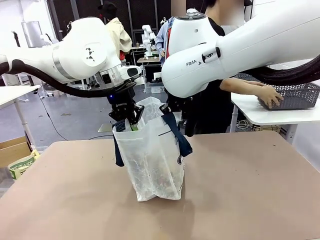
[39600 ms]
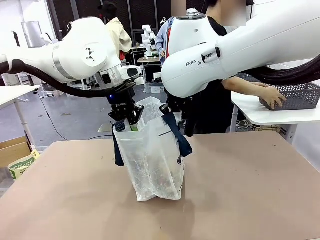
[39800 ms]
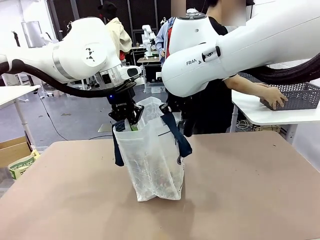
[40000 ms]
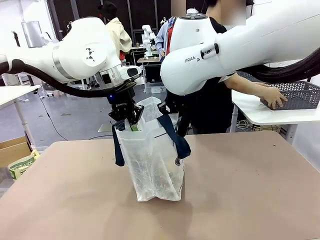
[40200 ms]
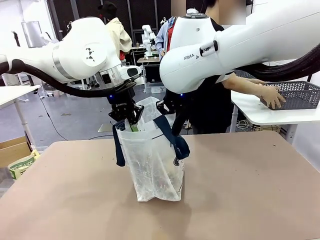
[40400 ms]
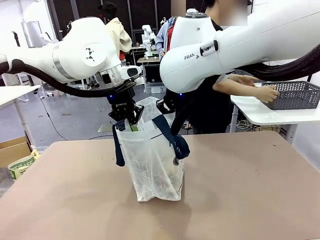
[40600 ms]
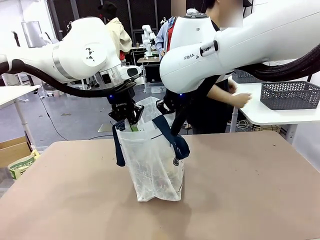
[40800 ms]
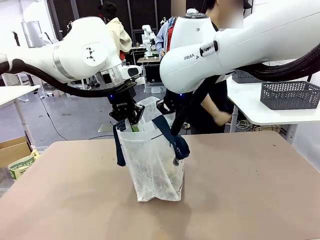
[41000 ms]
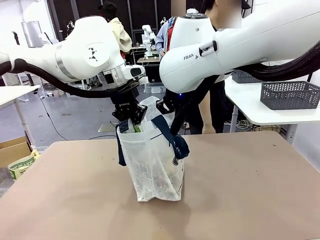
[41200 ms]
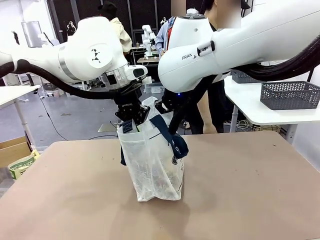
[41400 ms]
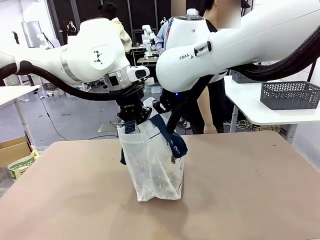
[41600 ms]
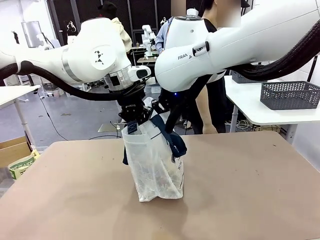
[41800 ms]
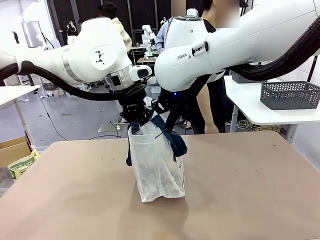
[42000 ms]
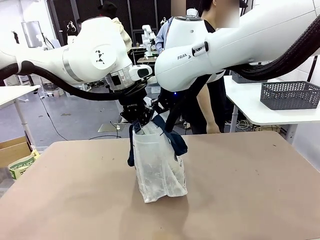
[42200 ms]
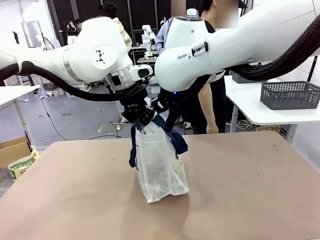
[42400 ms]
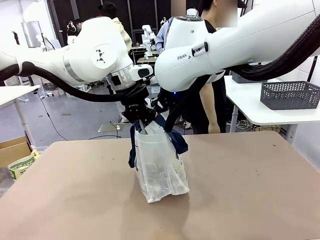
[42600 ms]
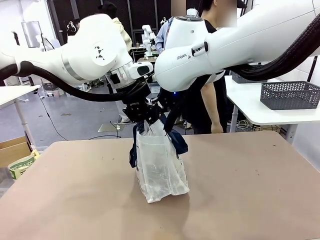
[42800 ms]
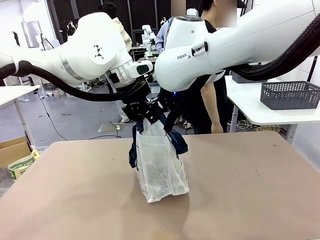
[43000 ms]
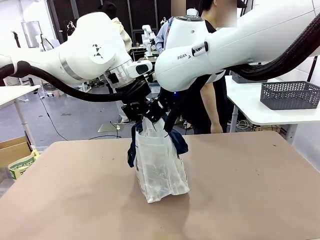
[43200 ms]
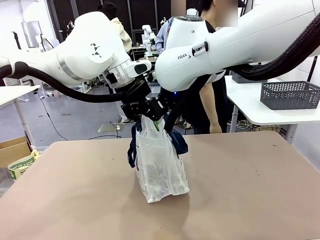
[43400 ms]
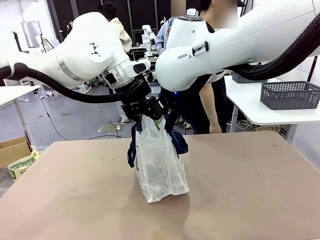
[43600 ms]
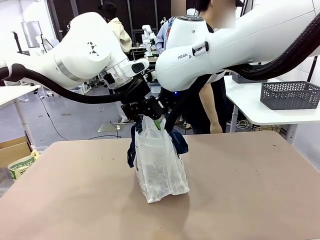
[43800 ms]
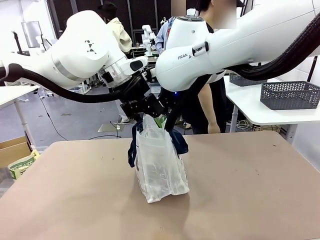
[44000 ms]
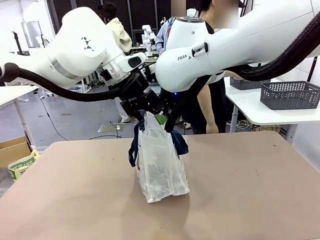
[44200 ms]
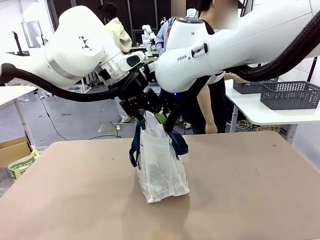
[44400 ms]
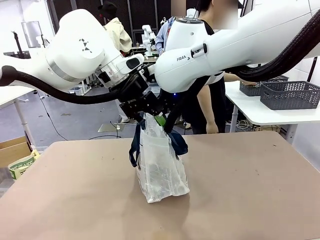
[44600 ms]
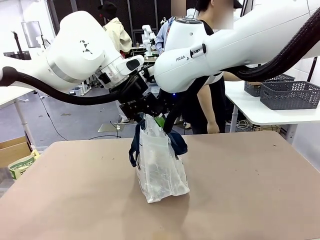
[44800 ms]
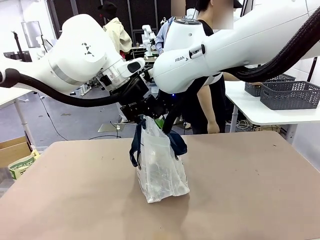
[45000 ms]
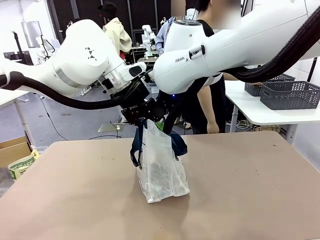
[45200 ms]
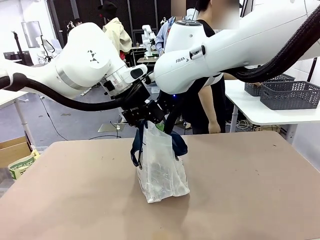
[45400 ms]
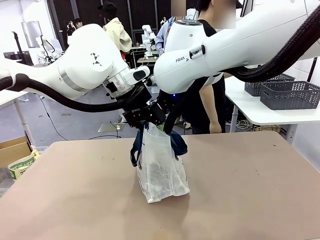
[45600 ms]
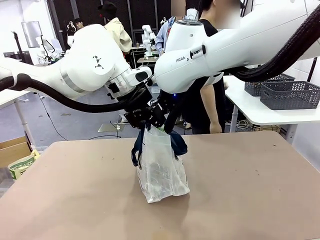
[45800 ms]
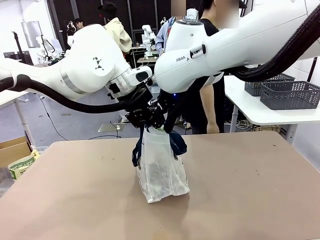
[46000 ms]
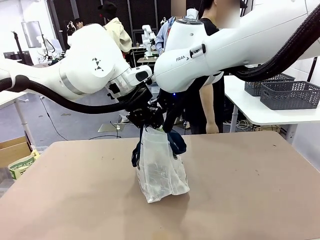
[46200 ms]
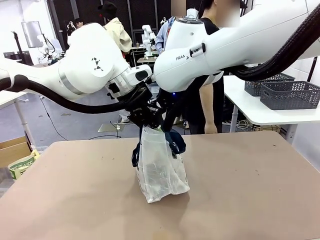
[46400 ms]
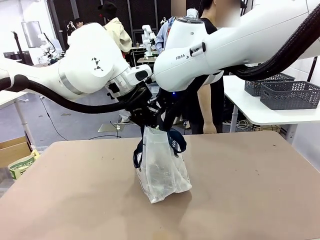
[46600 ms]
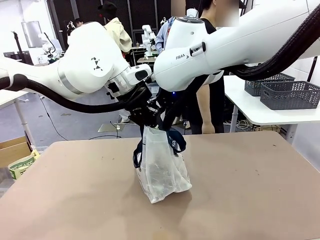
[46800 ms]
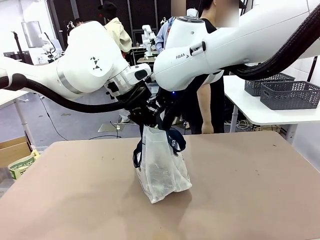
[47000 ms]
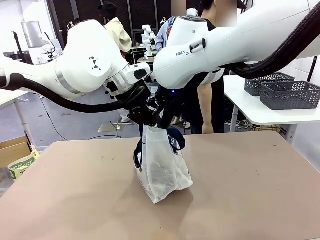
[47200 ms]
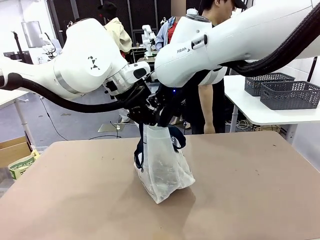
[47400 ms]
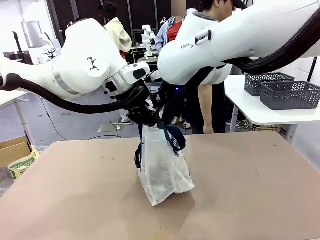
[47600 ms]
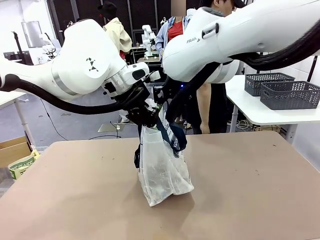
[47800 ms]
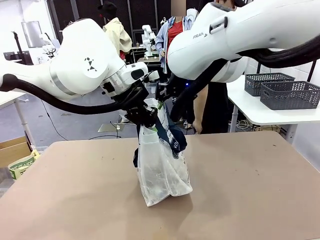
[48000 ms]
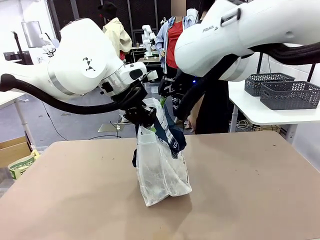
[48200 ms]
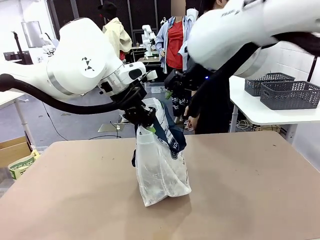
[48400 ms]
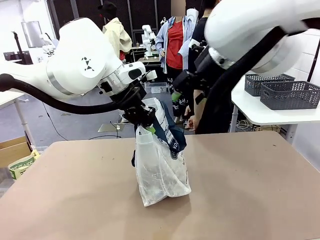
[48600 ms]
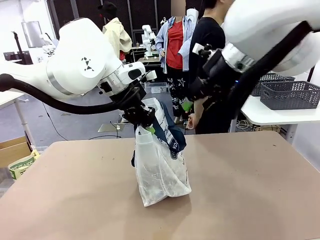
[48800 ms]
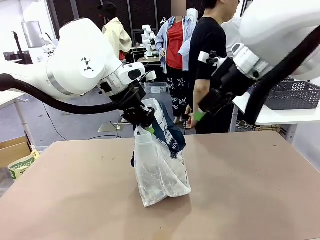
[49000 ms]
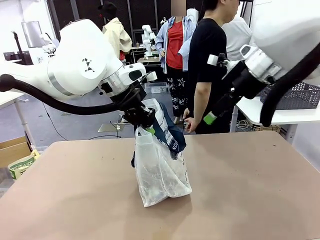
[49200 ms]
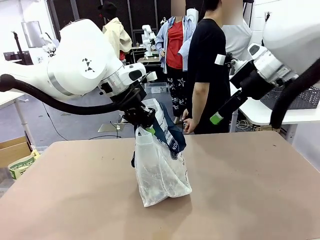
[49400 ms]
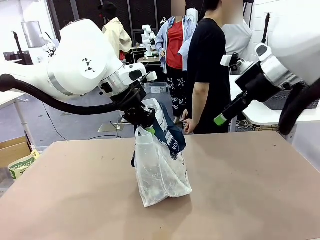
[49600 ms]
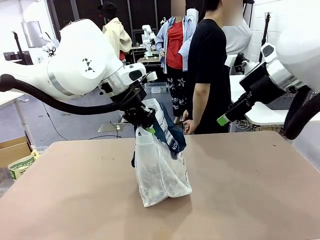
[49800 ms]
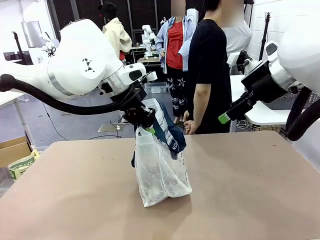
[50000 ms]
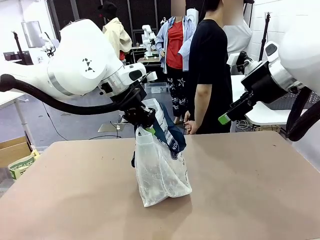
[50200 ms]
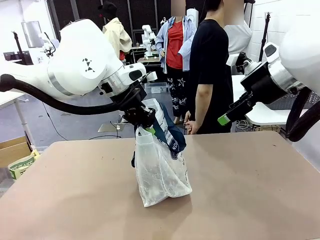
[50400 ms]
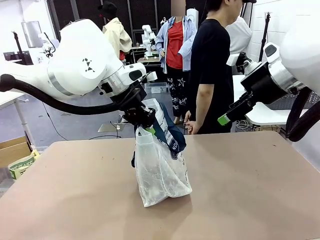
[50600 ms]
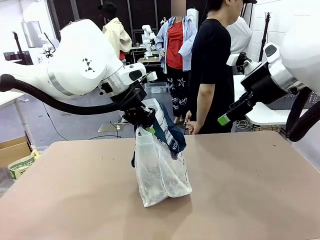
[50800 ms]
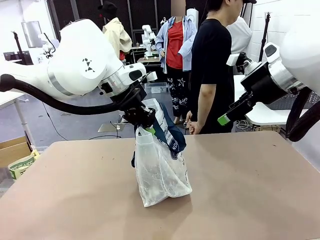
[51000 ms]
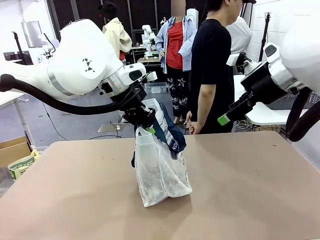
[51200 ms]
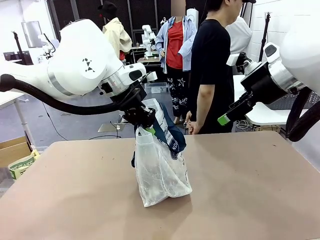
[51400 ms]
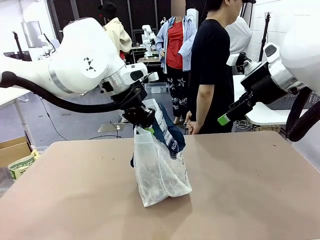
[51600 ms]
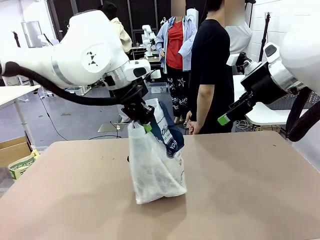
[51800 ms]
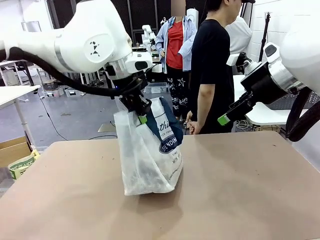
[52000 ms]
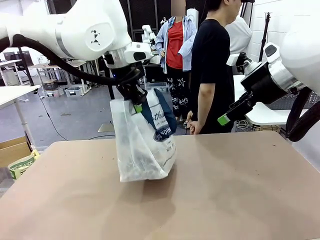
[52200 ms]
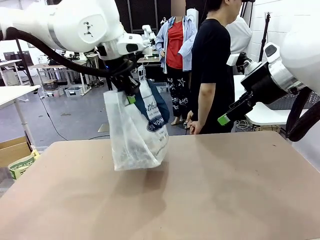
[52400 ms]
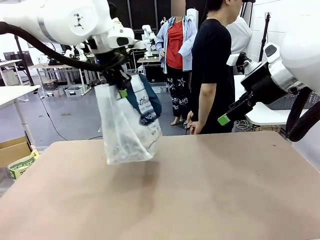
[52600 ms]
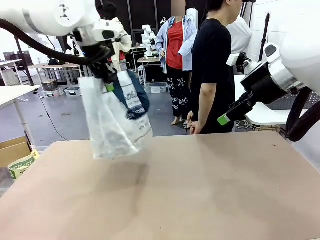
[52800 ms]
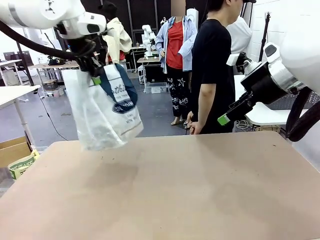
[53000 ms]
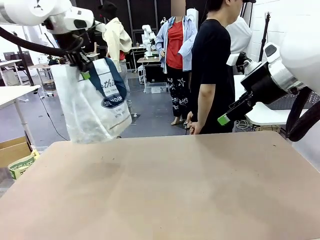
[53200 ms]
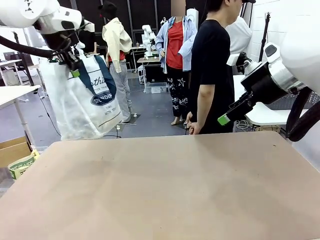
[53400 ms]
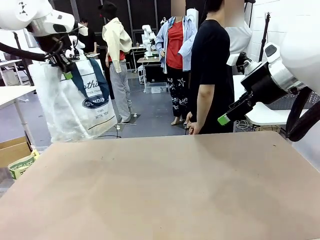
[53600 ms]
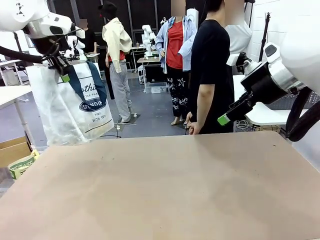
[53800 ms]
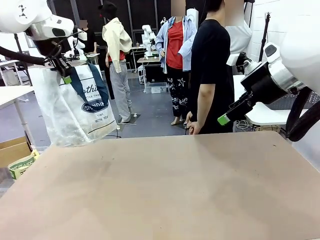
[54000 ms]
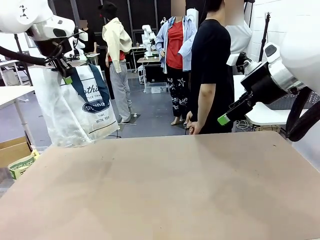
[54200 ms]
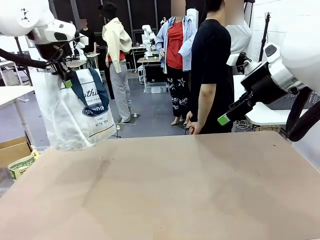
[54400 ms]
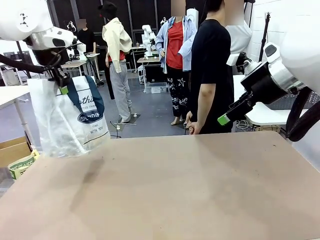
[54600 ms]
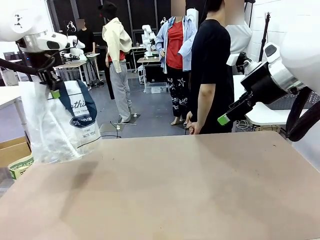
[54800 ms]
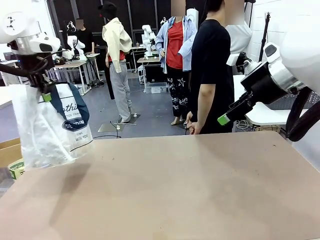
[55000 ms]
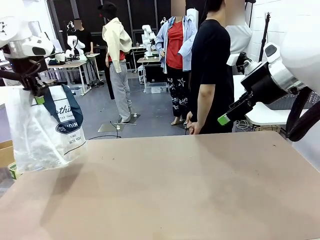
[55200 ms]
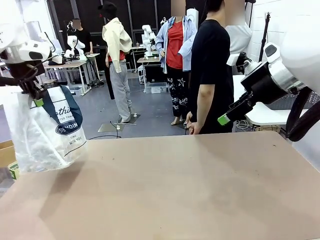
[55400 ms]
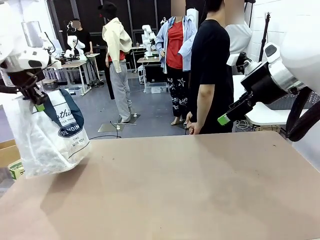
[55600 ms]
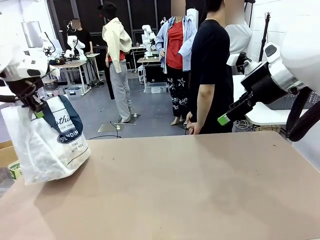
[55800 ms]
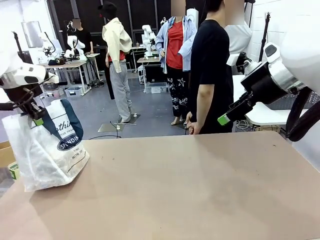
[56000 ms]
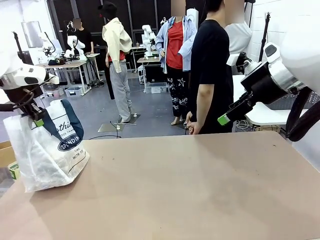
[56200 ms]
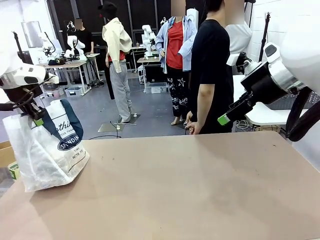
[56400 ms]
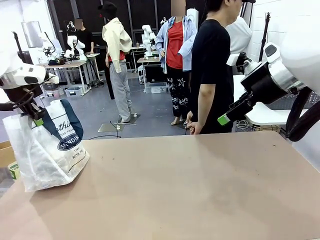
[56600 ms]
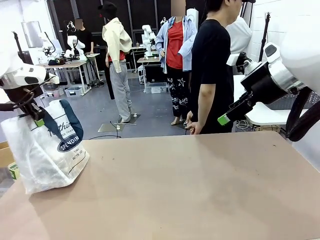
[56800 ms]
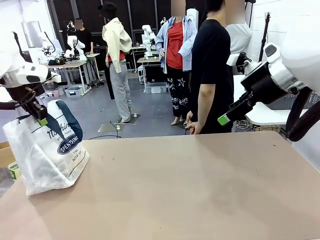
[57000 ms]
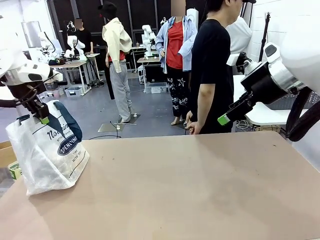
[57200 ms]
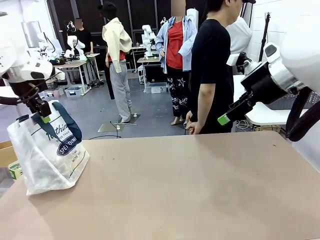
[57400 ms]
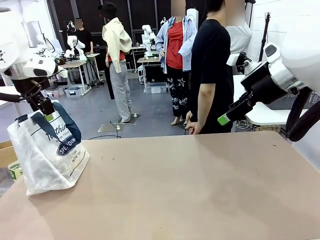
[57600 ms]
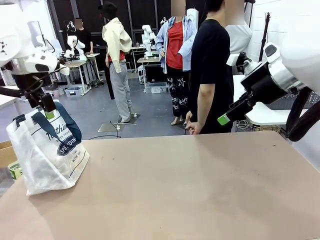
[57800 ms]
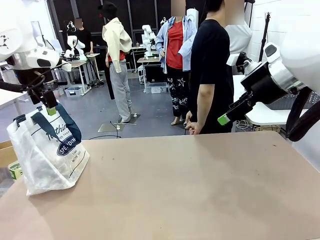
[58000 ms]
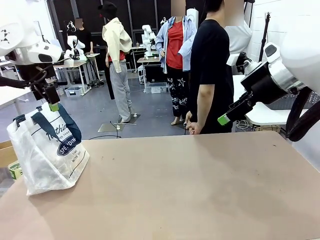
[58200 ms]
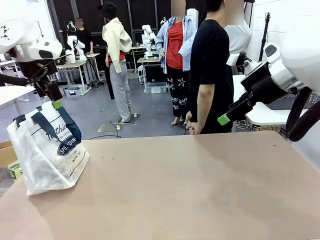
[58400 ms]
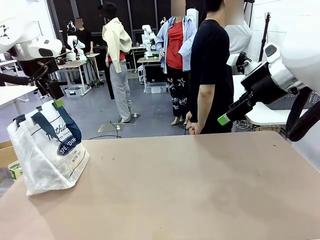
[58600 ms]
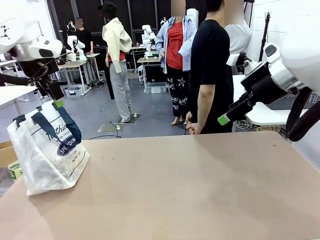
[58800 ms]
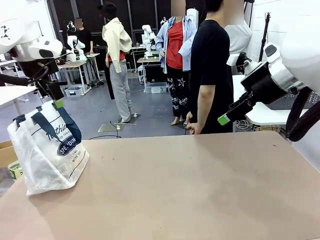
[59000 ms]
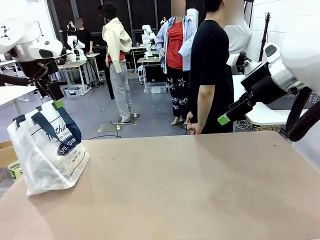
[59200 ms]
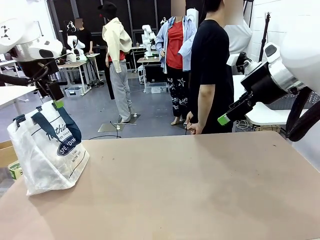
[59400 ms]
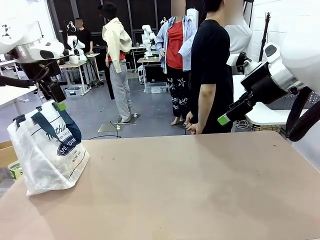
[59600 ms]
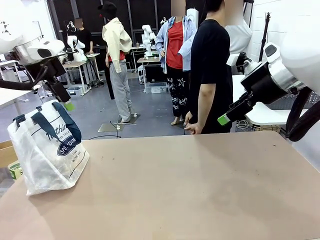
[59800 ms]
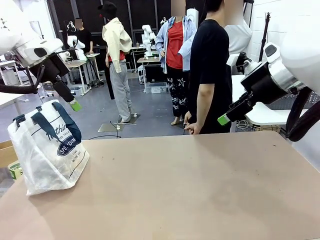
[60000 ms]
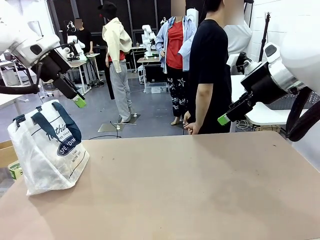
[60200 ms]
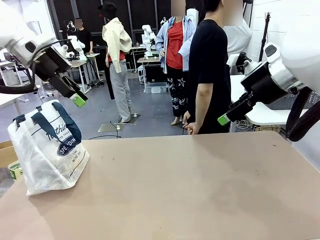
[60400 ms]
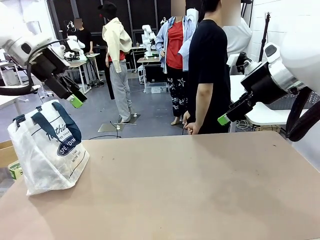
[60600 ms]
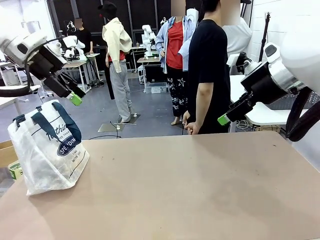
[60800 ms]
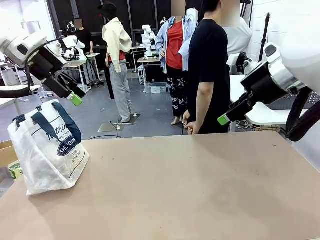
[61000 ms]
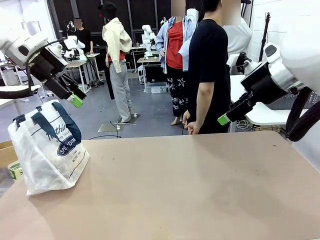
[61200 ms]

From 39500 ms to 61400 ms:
Task: Transfer purchased items from the store into the shopping bag.
Robot: Move the Reusable shopping bag to the right side of the table.
Person: Move the basket on the left to the middle of the person's table.
